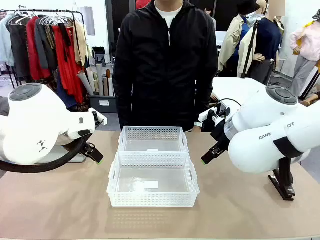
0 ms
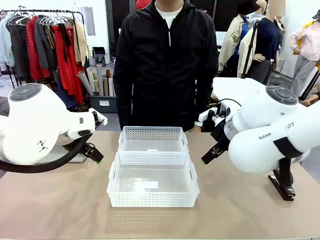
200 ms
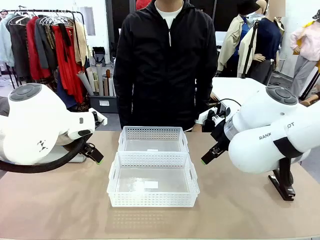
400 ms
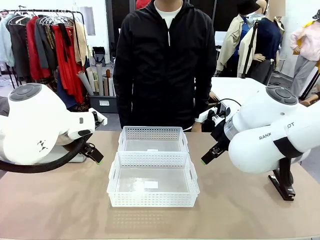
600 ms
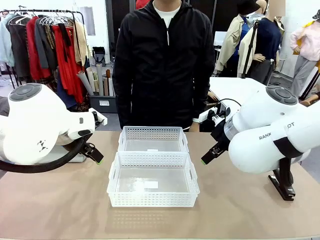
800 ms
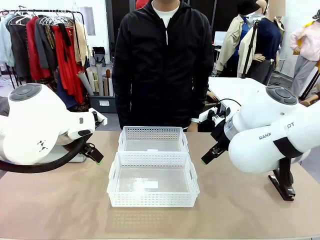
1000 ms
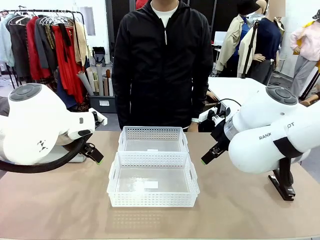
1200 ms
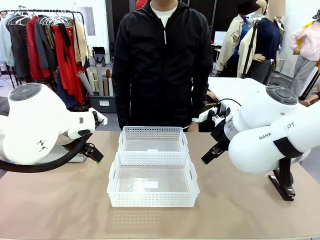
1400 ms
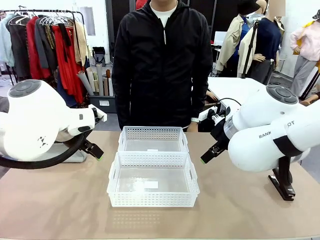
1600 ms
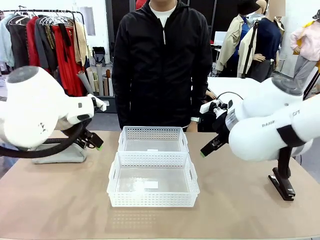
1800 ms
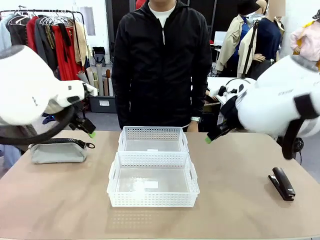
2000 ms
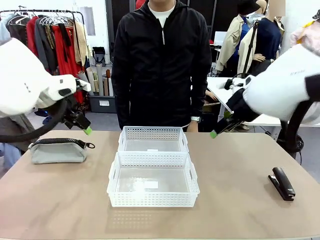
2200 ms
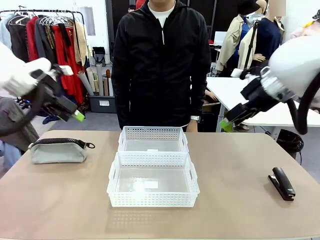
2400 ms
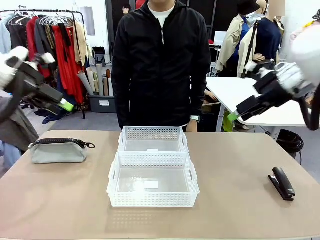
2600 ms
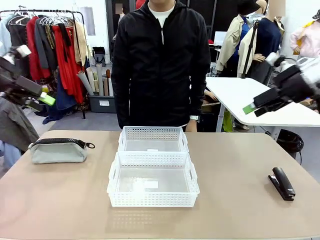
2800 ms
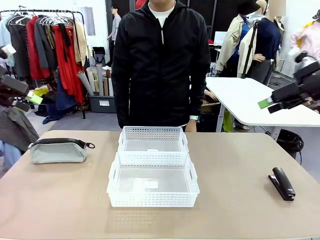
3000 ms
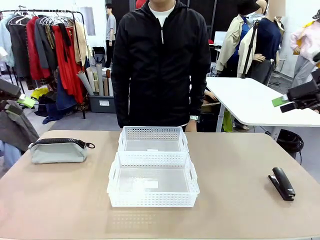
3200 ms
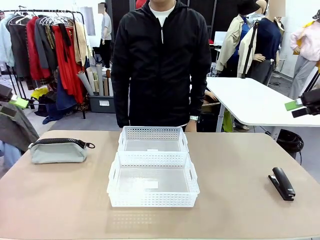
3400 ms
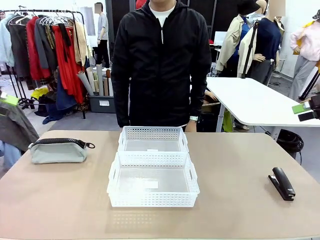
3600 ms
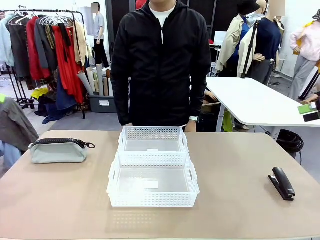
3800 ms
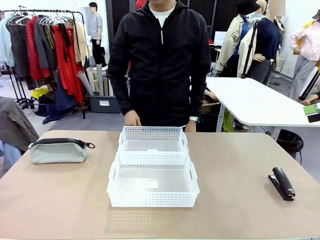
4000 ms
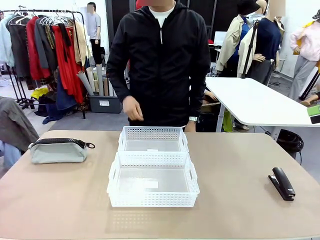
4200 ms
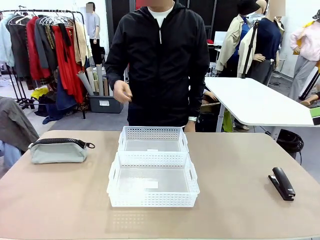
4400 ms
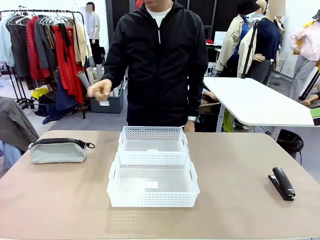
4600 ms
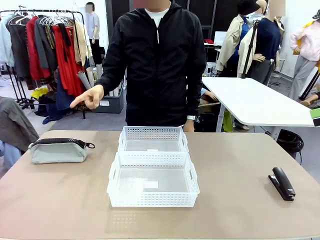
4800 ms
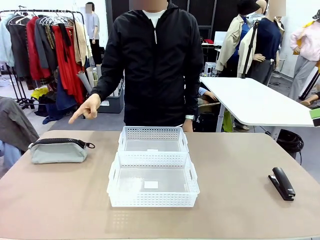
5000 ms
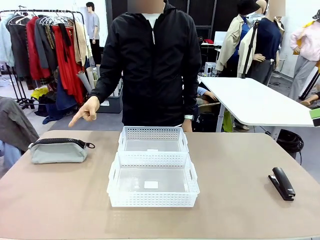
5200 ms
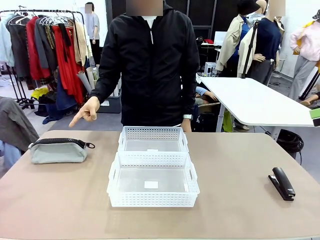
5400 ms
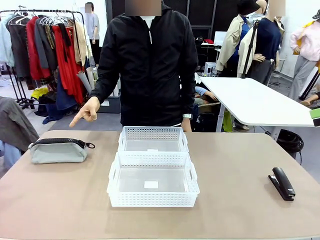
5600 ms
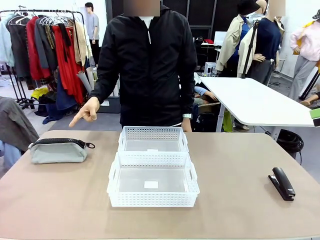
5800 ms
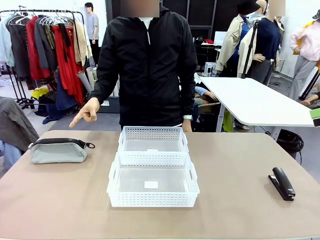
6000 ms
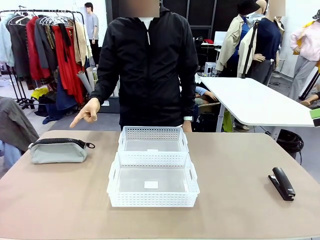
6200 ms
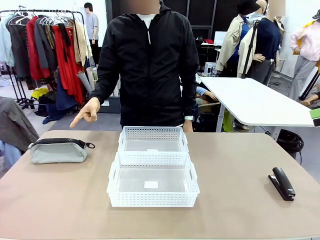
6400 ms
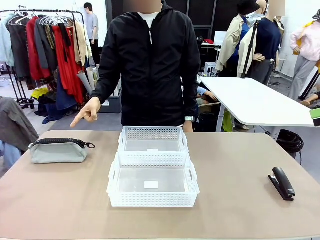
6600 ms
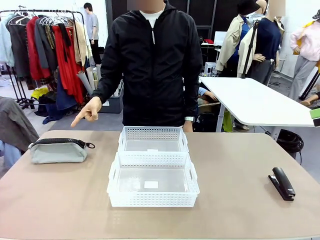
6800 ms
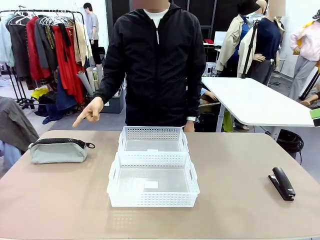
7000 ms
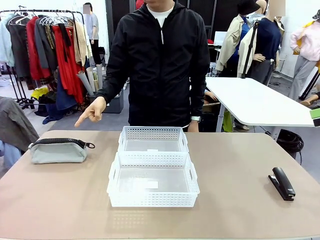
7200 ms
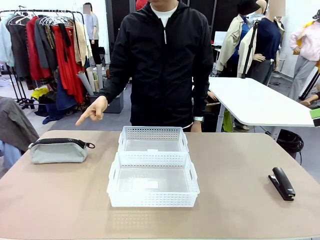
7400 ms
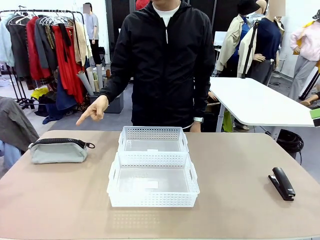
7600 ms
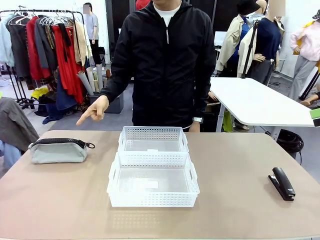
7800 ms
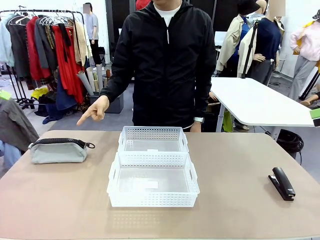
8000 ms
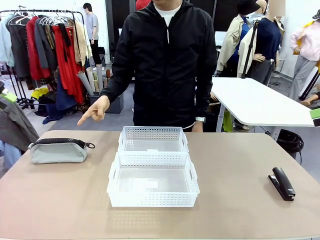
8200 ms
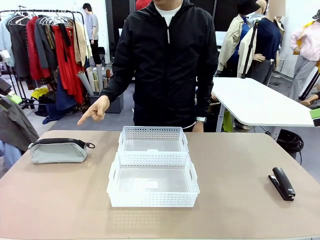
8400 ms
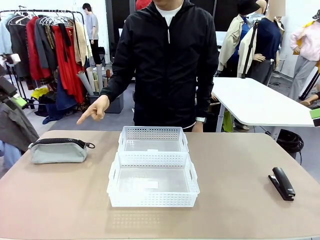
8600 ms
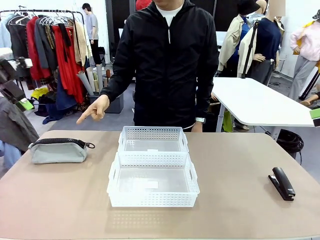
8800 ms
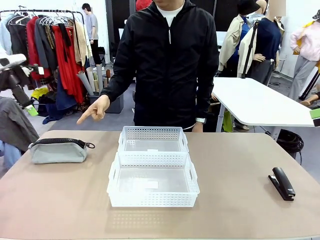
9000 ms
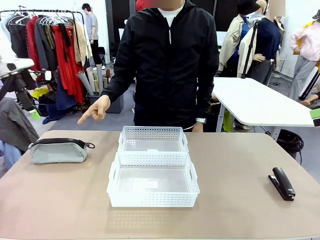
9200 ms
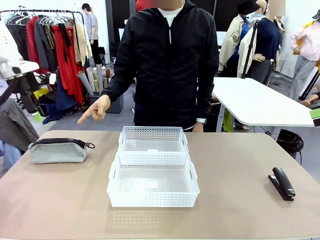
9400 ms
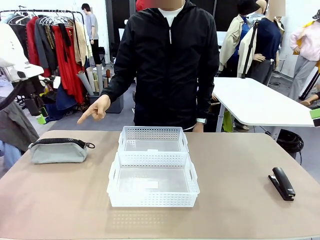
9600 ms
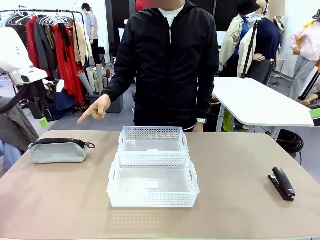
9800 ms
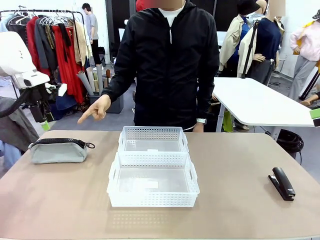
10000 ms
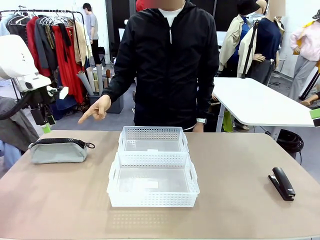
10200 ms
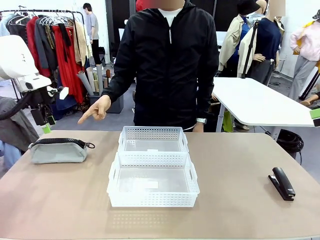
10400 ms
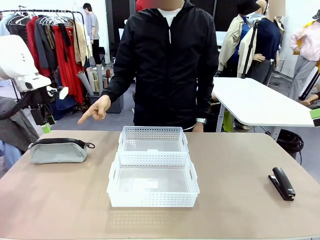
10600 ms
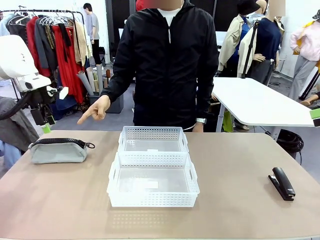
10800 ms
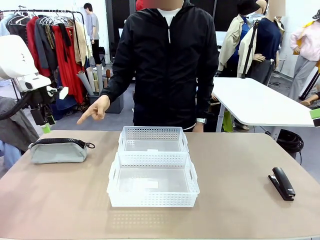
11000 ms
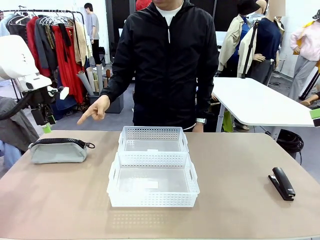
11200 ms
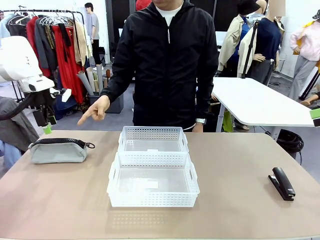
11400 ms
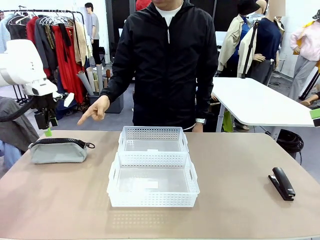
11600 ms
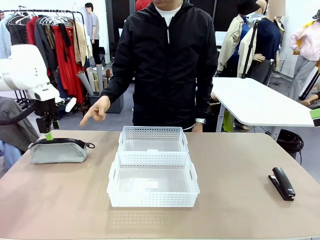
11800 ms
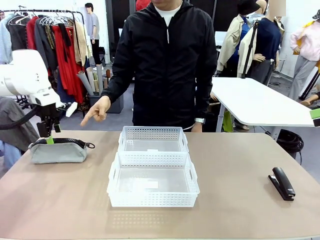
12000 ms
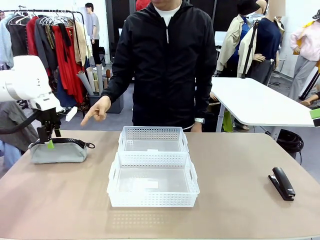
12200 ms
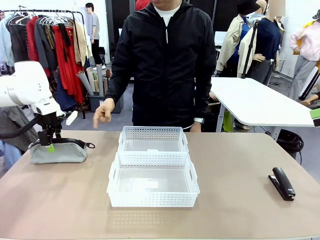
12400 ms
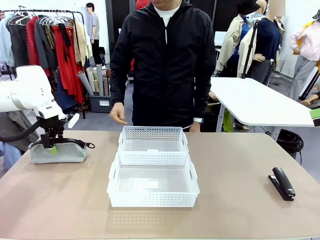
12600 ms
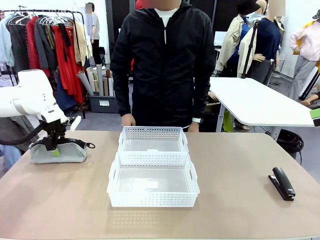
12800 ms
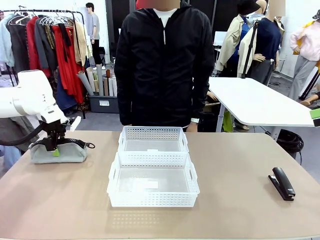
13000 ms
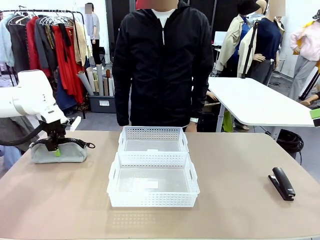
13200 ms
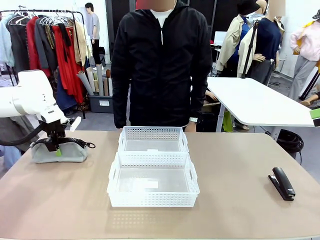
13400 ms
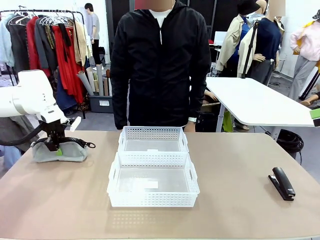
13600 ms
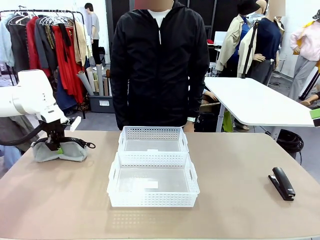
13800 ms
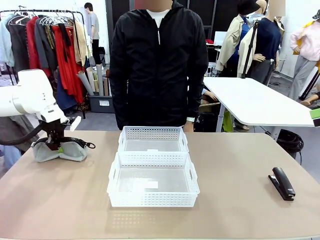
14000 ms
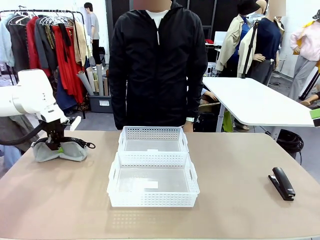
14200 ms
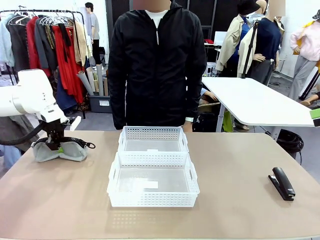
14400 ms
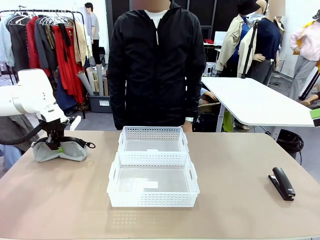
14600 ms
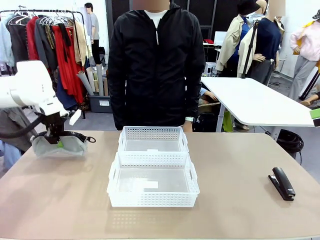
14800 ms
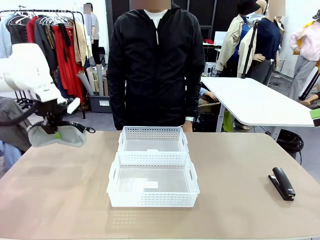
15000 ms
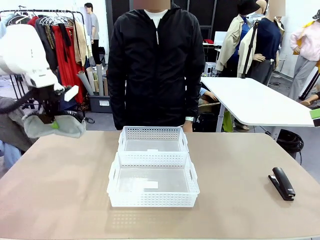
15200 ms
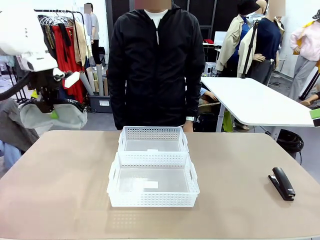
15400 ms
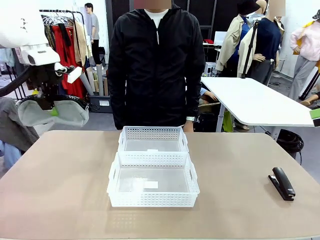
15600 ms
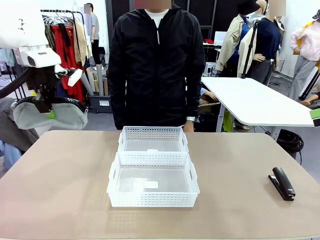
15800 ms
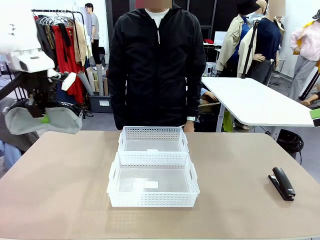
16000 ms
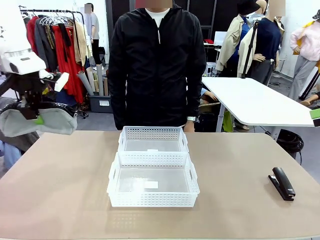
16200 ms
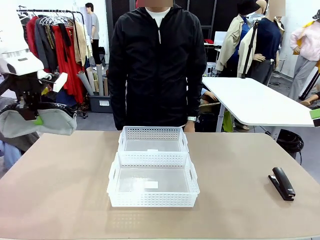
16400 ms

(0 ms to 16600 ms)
Task: Distribute items into two baskets.
Robot: Pick up the Pencil pouch that the person points to.
Person: Points to the pencil case. Points between the two organizing baskets and instructs the robot to move the pencil case.

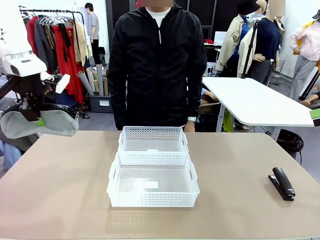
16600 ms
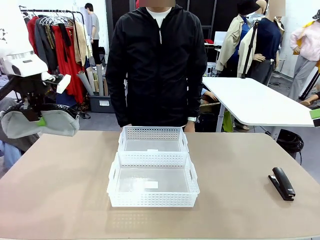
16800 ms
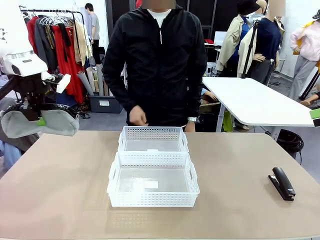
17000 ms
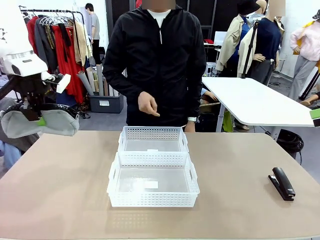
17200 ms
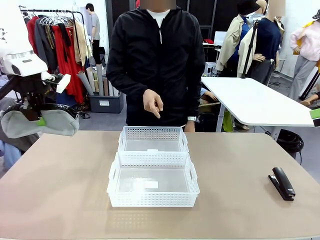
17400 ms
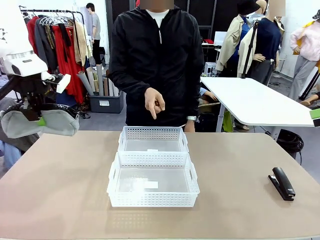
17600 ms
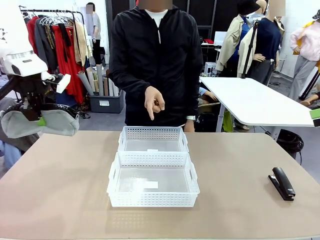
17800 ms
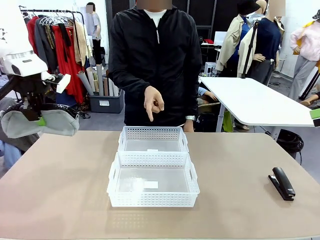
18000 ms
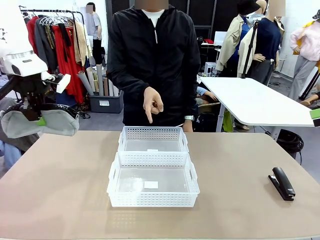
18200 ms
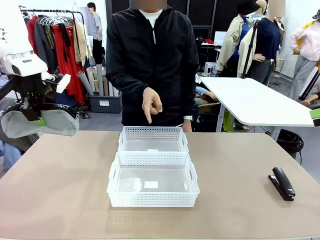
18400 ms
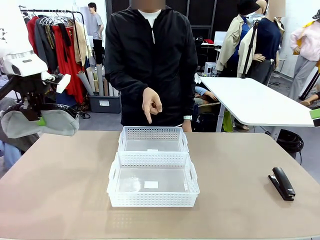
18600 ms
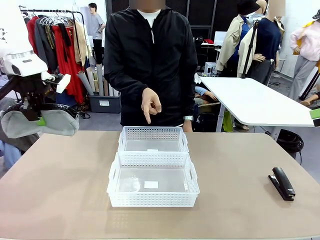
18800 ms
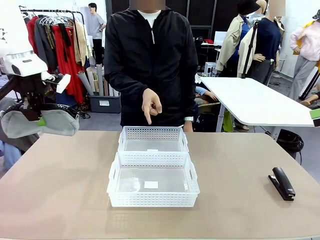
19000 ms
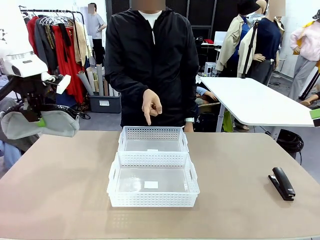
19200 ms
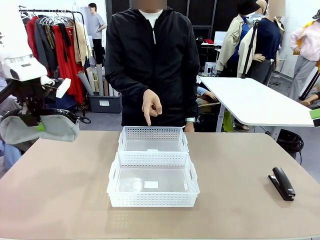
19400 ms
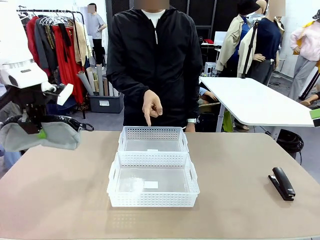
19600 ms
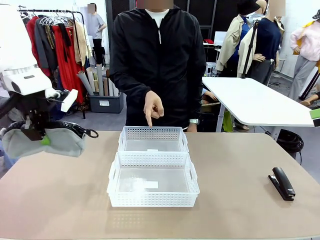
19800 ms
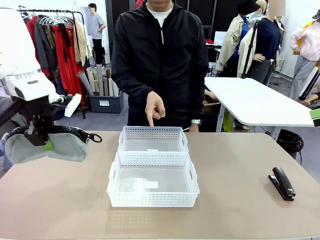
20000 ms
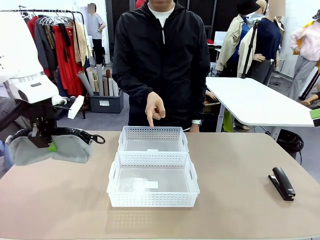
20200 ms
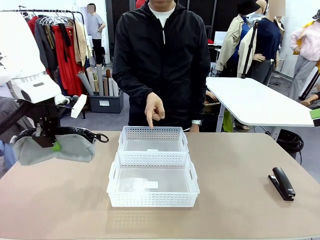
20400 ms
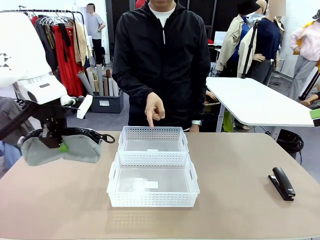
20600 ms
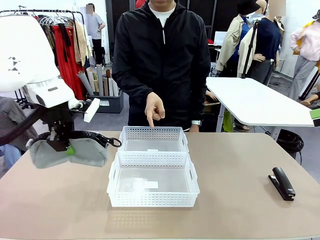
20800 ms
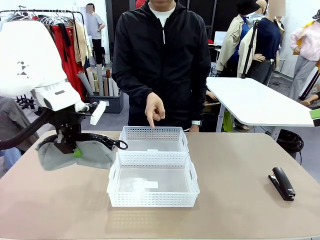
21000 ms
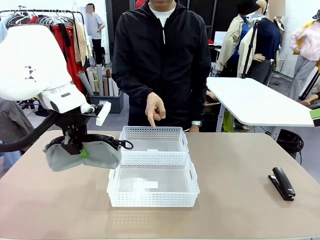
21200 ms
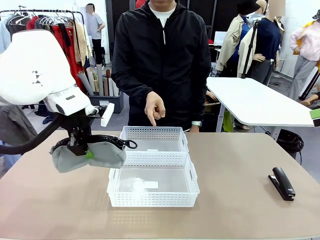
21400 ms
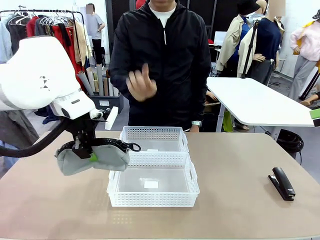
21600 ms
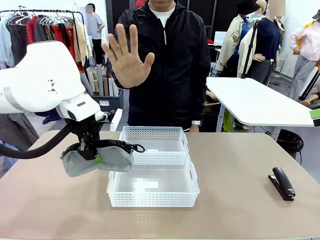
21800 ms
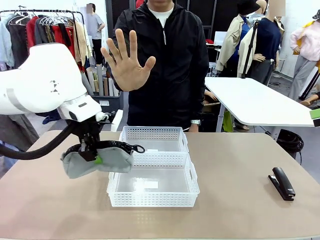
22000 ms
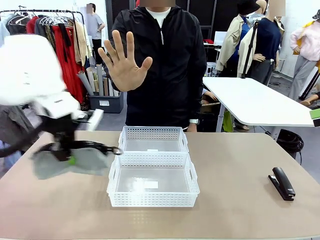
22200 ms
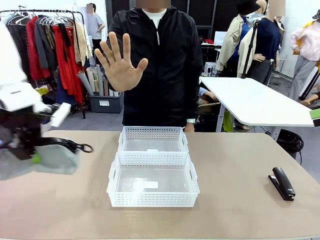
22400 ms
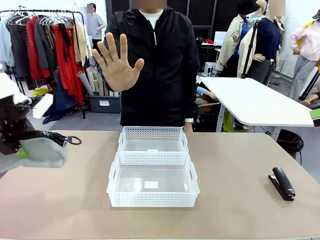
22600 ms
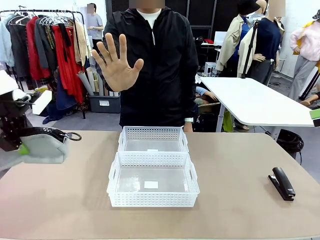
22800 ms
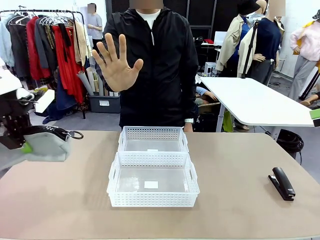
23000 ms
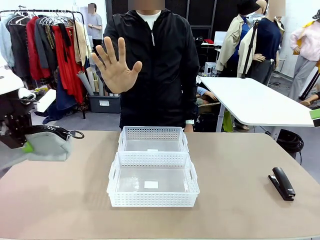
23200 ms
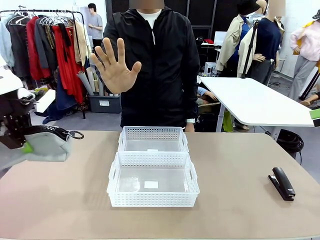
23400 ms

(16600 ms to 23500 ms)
Robot: Move the picked Pencil pouch towards the Organizing basket indicated by the person, stopping as directed.
Person: Sends a stop gesture before the robot places the pencil case into the basket.
